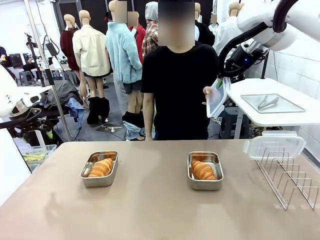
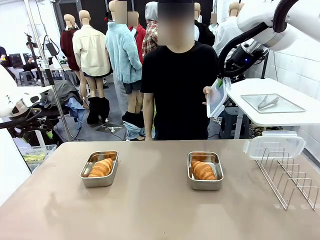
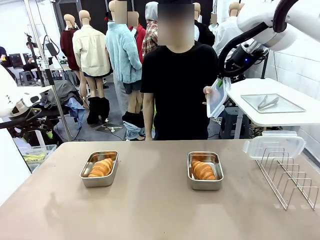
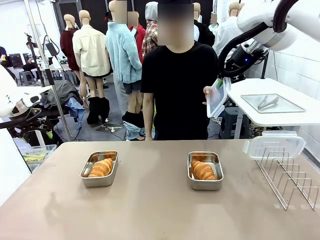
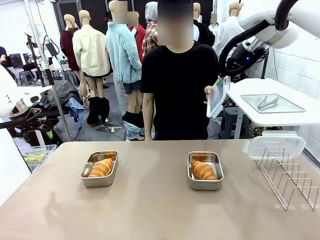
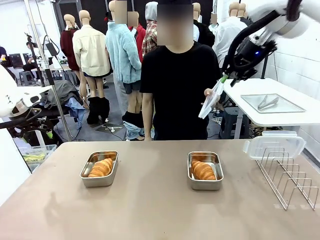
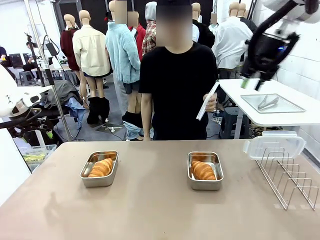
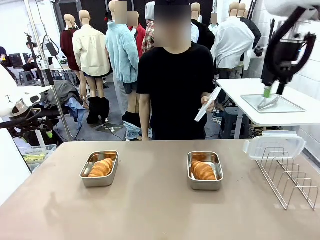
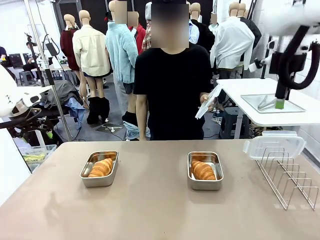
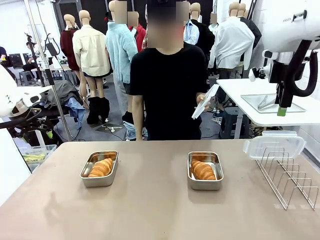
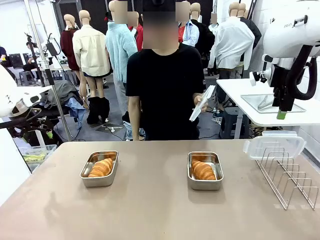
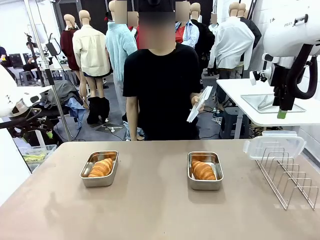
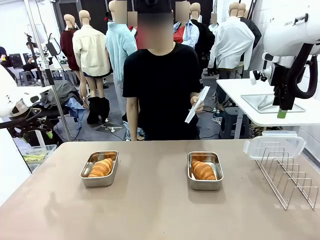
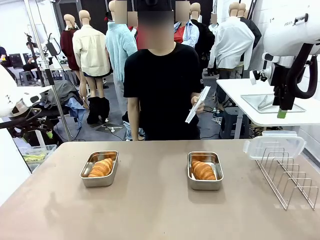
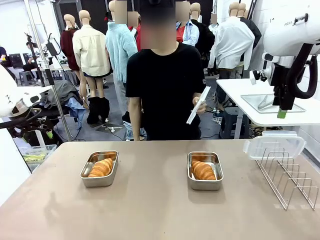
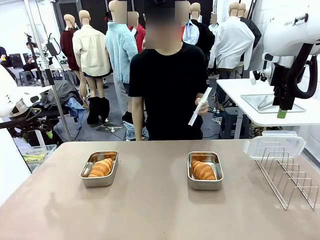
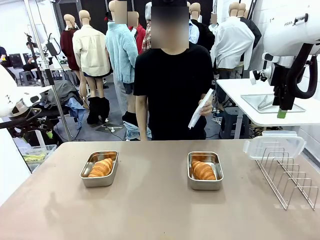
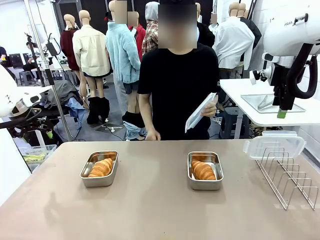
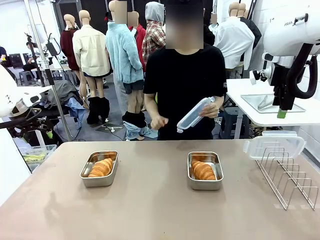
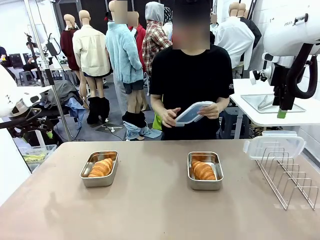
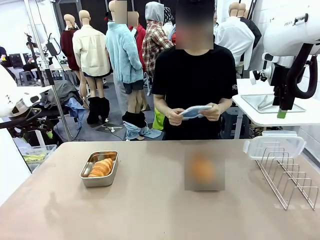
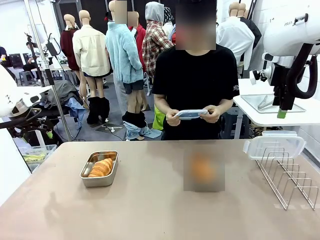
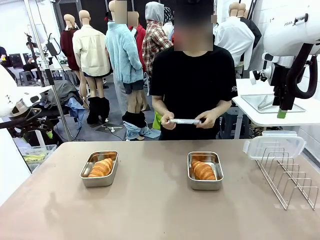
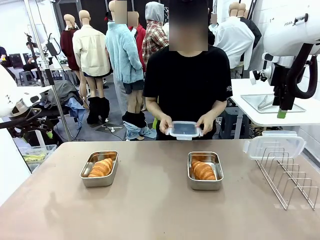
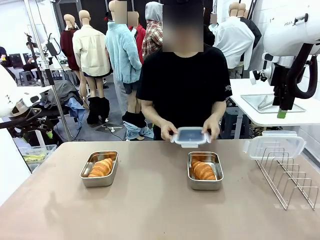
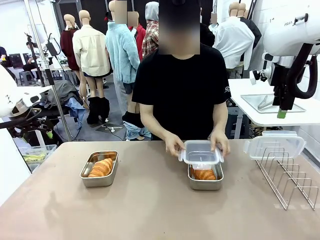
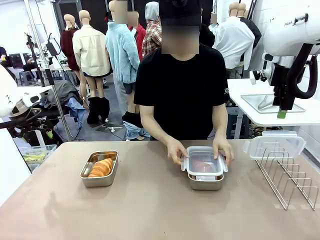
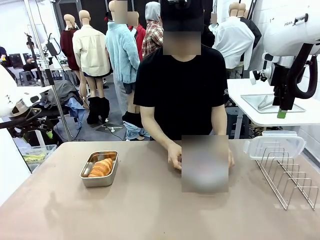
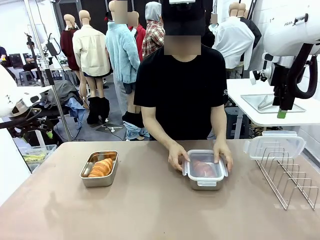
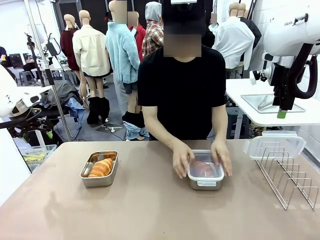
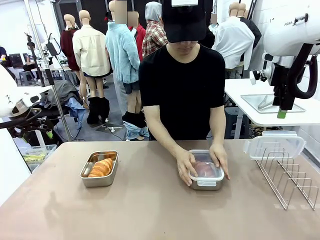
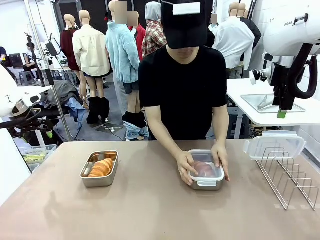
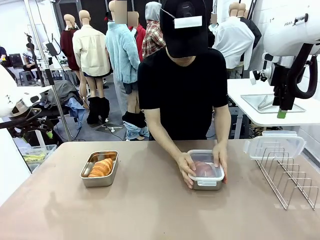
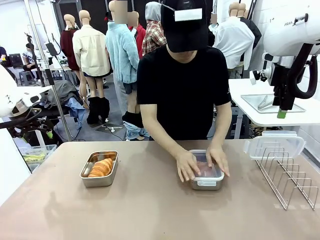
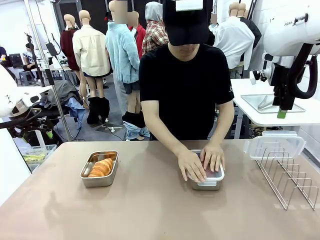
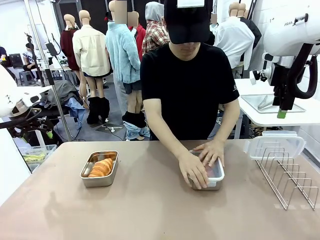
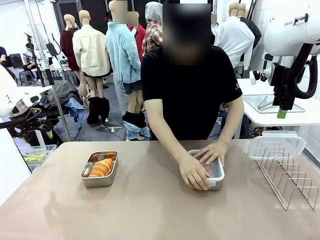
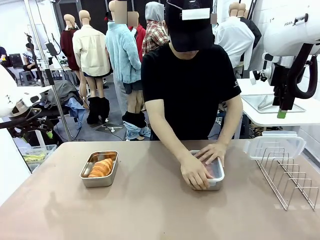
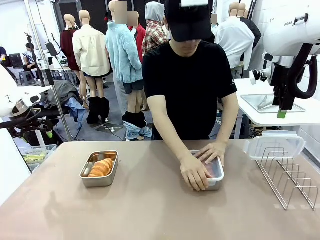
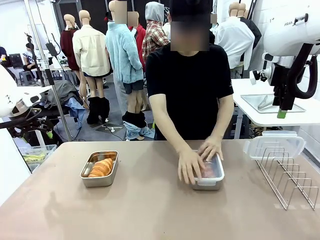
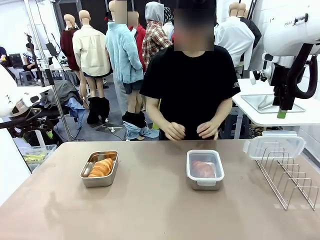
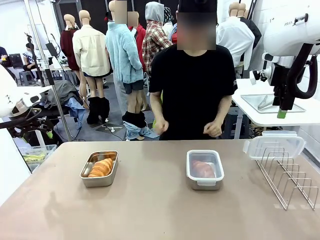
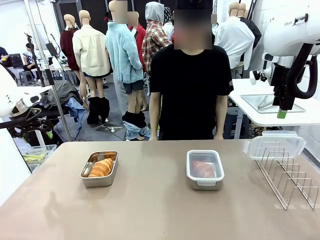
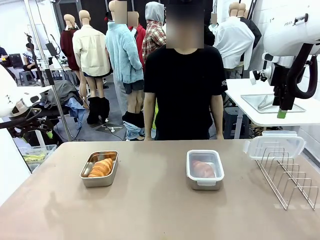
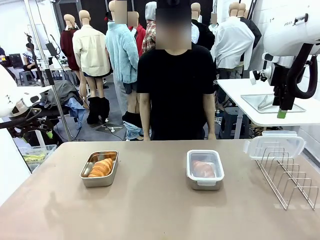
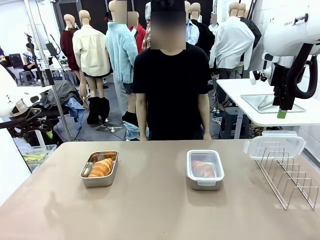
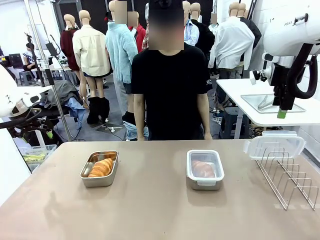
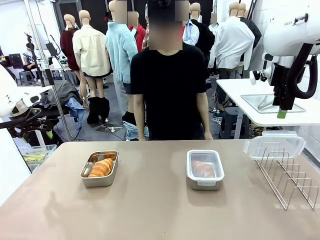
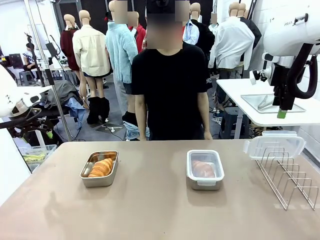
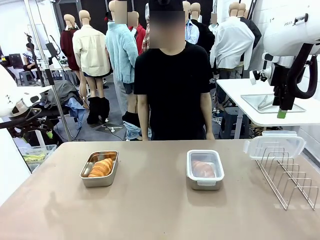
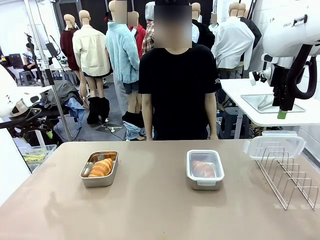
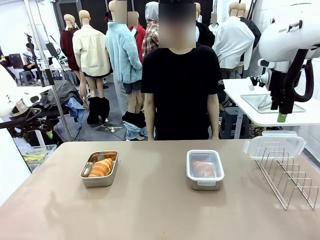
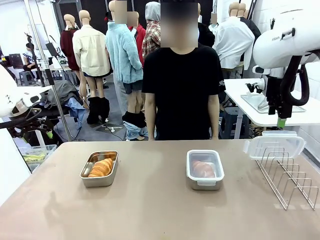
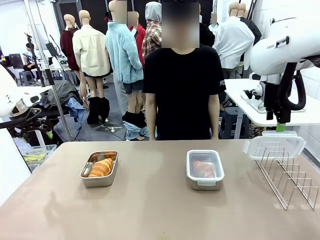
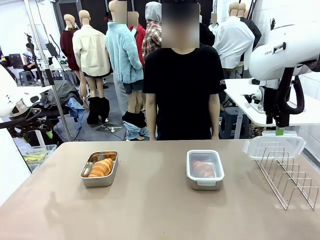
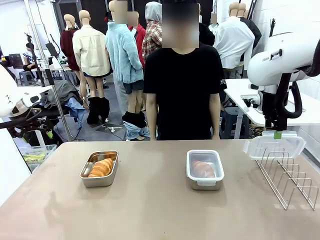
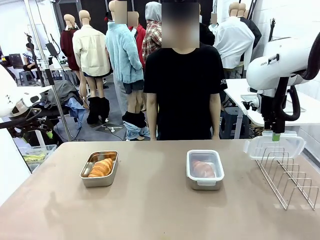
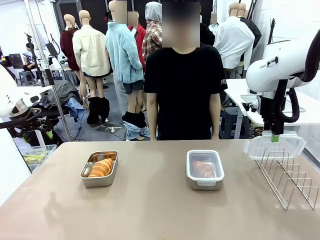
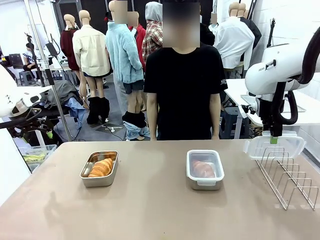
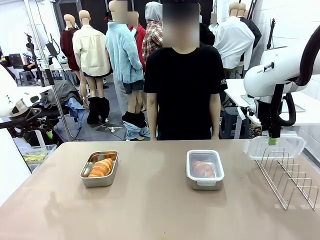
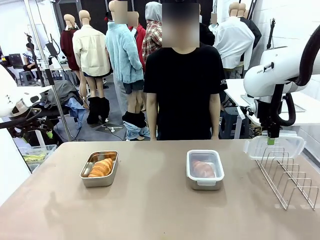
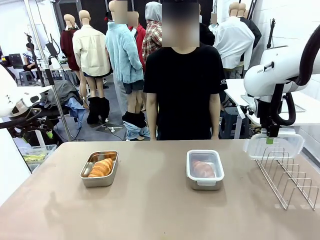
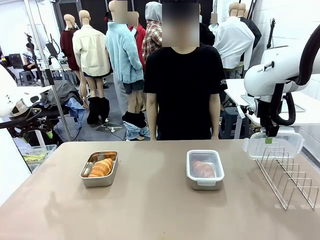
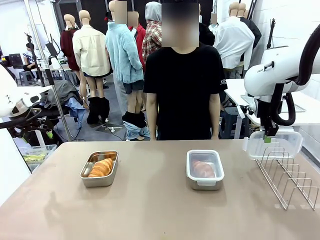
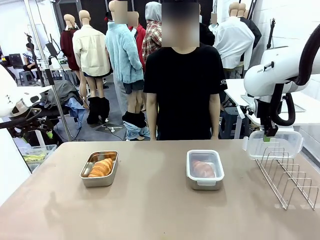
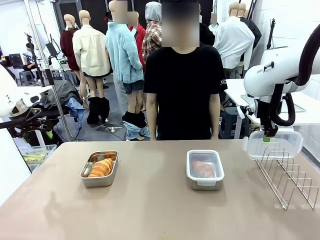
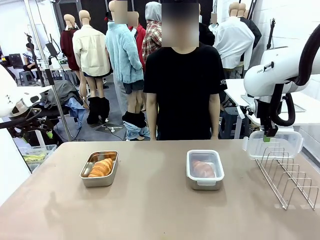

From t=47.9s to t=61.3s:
Task: Place the bread in airtight containers.
Robot: Pick up one Airtight Container lid and hand it to the human.
Person: Close Airtight Container with a handed Airtight Container lid.

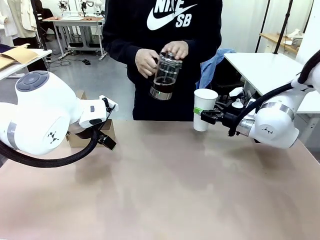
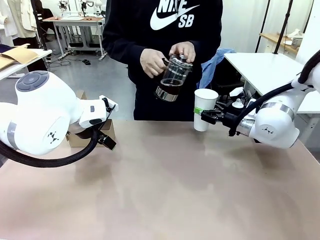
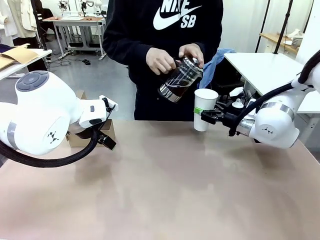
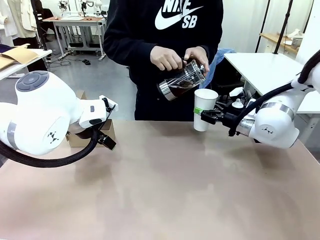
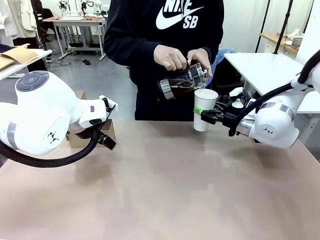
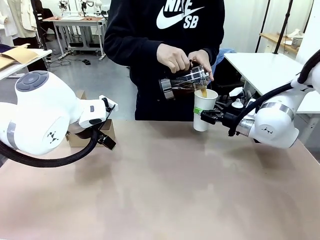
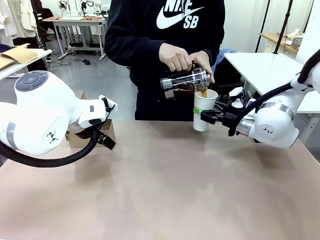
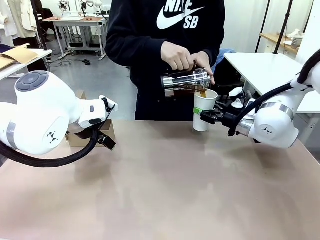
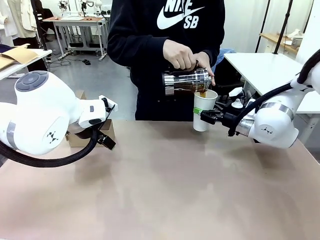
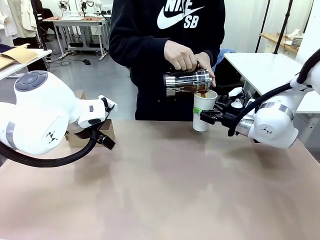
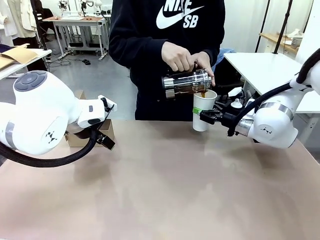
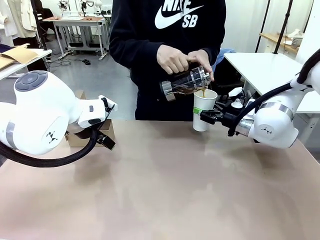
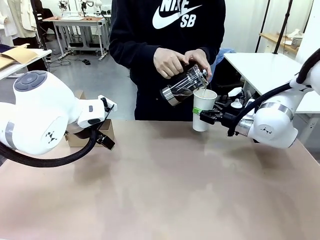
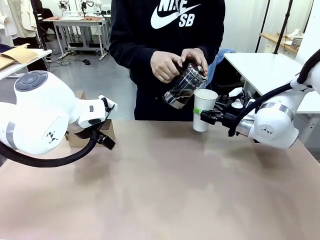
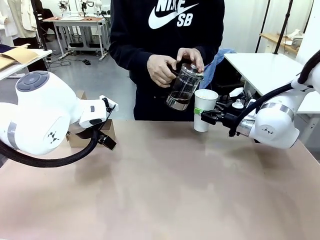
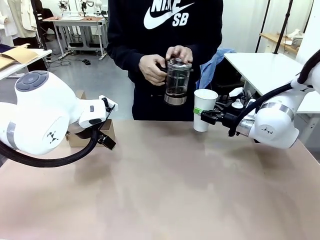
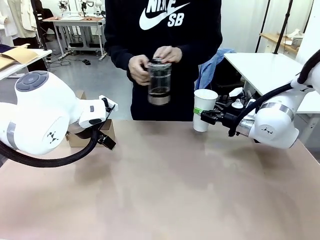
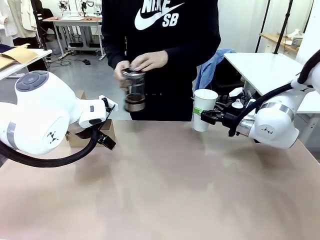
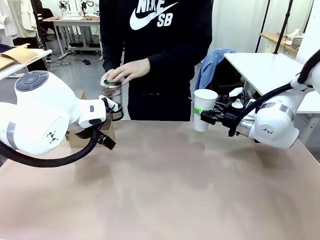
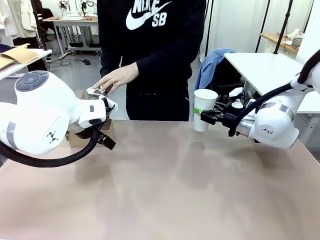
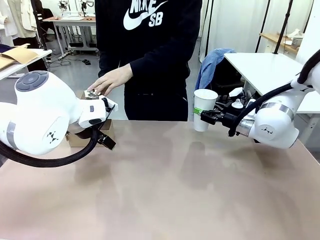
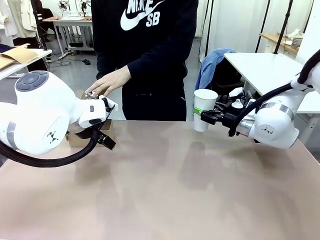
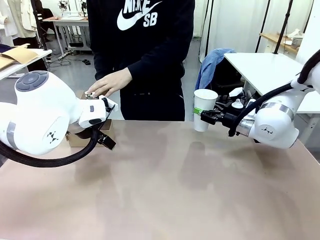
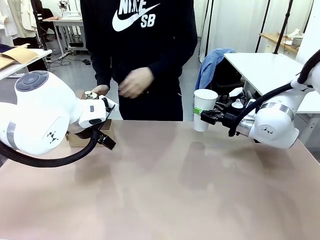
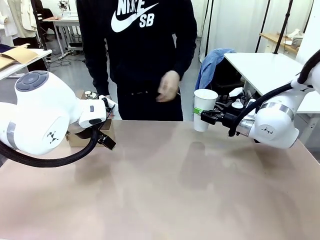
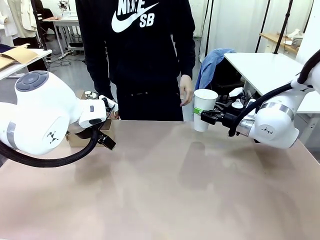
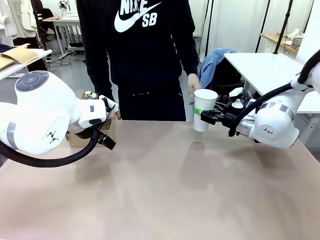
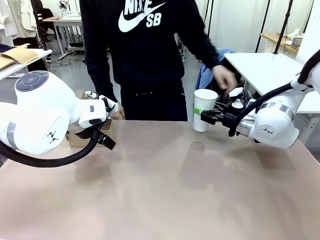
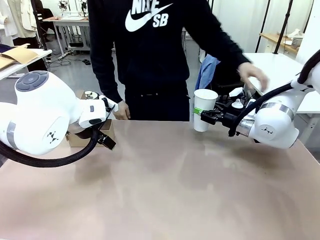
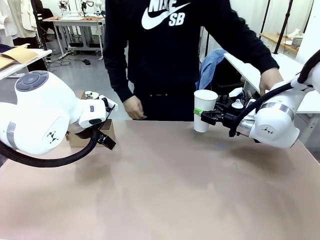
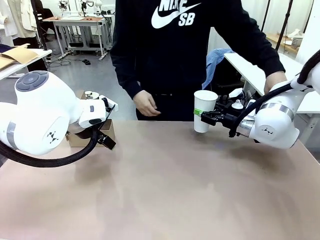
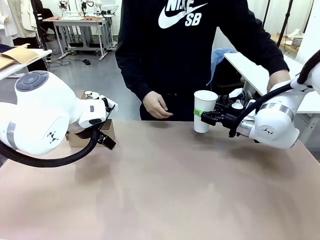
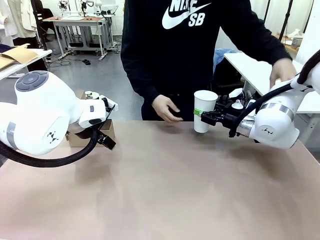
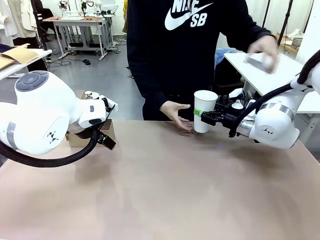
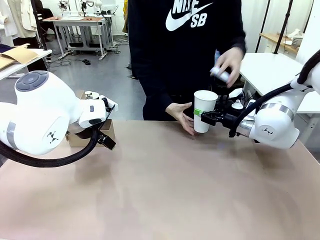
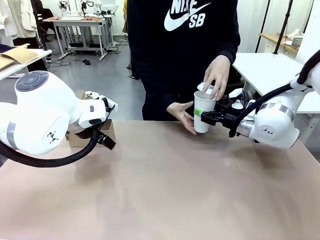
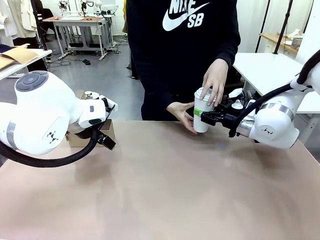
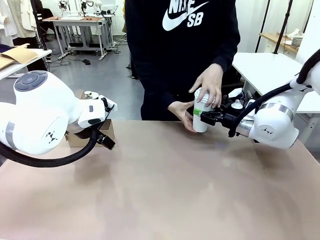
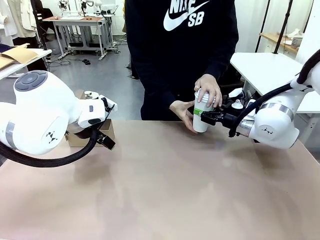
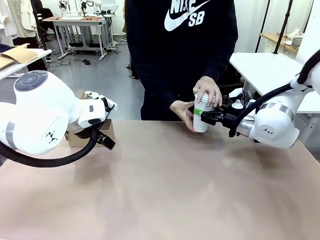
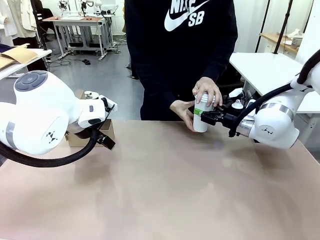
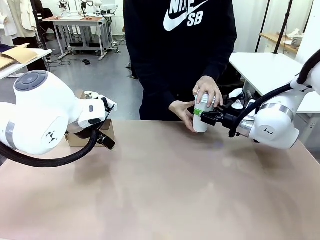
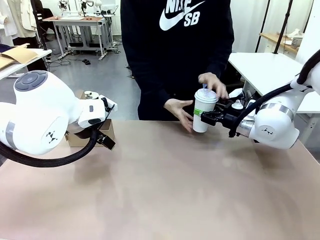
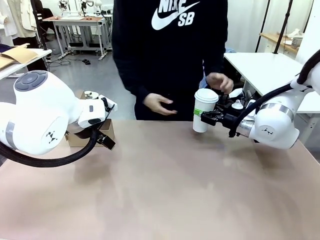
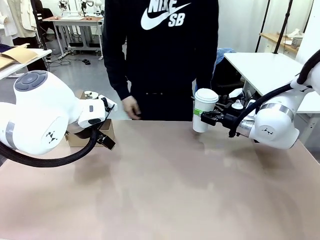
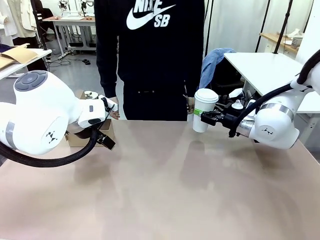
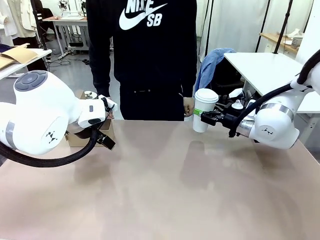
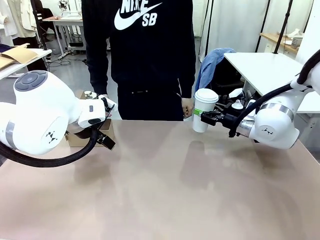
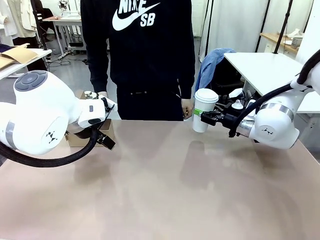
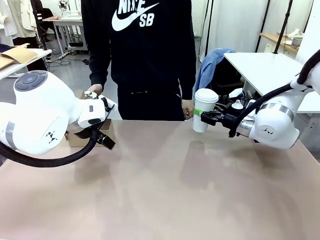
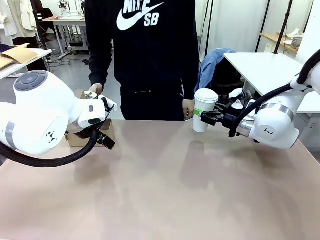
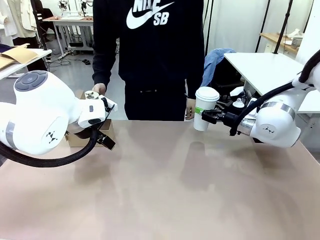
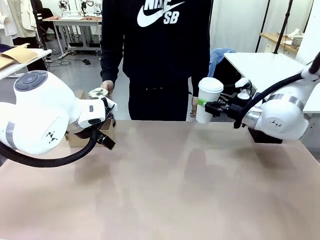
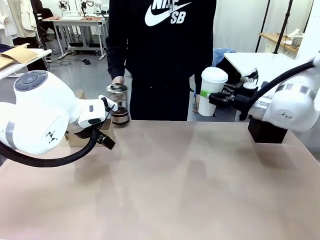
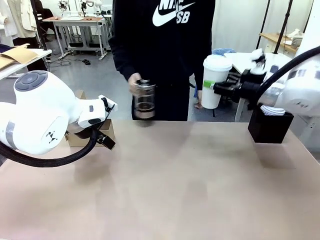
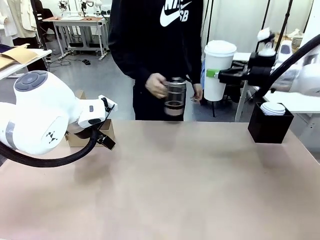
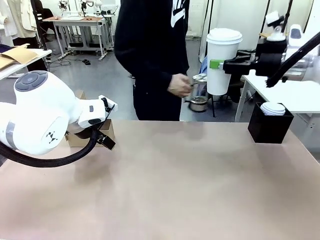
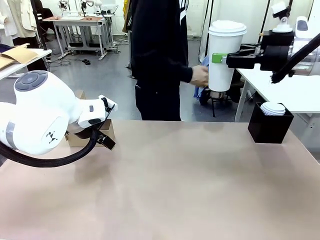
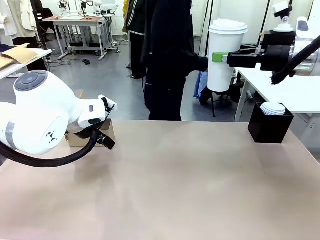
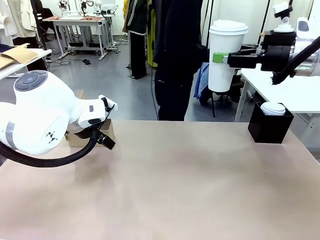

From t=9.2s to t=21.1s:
Task: Pour a drink into a cup and package it in a carrier.
Robot: When a person places the Paper Cup Lid on the 600 ml Paper Cup , lift the 600 ml Paper Cup.
Person: Pour the drink from the Filter Brewing into the 600 ml Paper Cup. Place a Paper Cup Lid on the 600 ml Paper Cup.
